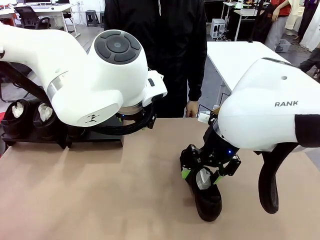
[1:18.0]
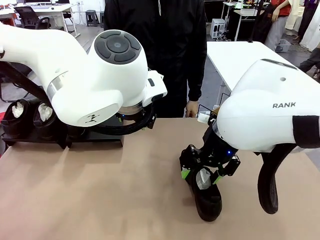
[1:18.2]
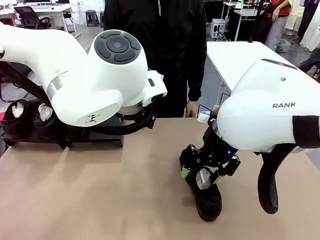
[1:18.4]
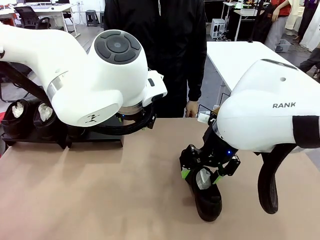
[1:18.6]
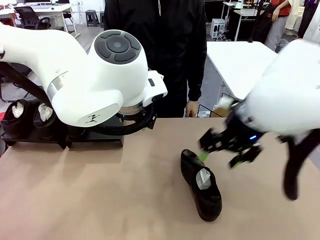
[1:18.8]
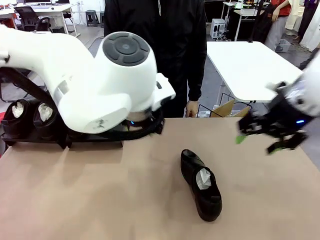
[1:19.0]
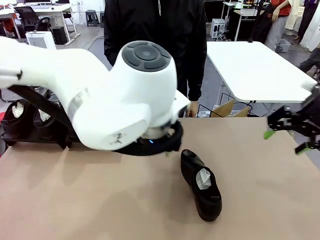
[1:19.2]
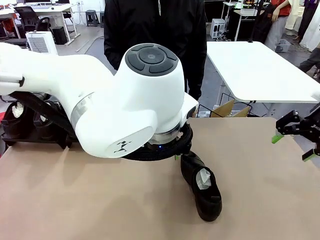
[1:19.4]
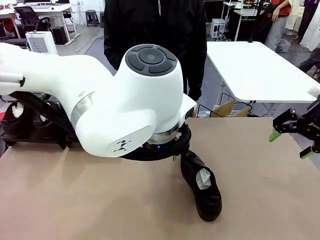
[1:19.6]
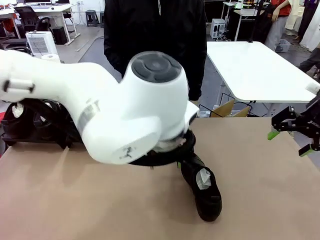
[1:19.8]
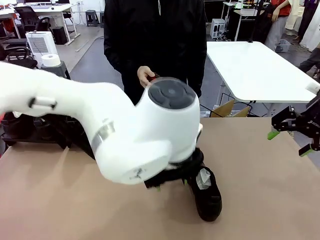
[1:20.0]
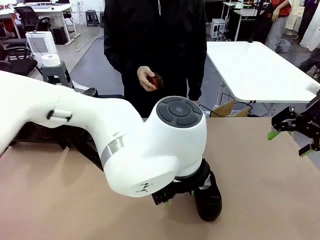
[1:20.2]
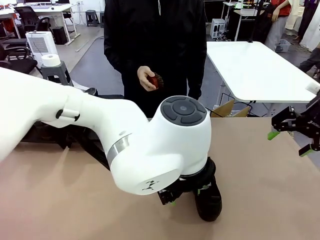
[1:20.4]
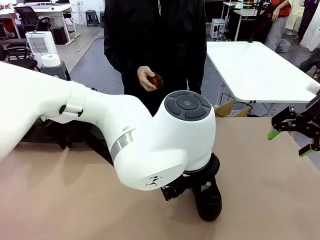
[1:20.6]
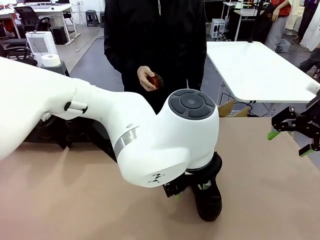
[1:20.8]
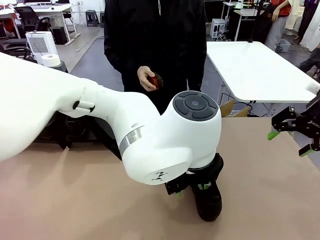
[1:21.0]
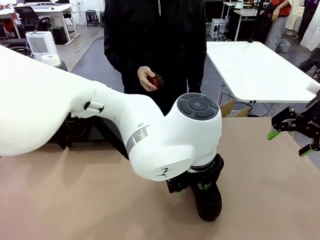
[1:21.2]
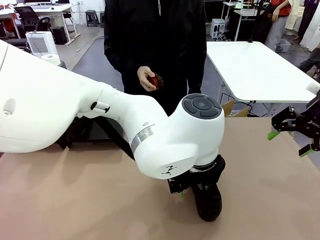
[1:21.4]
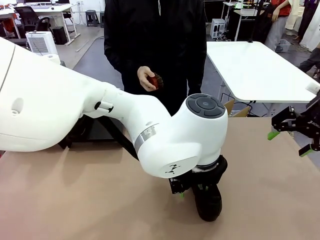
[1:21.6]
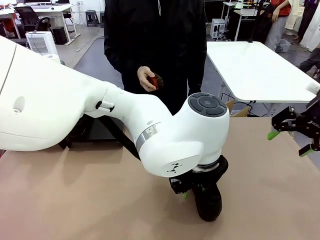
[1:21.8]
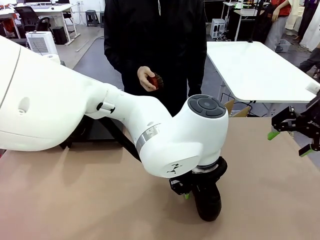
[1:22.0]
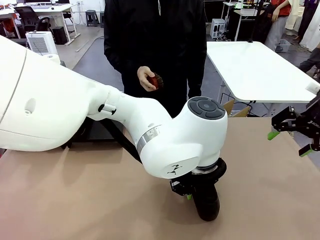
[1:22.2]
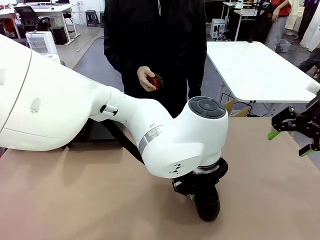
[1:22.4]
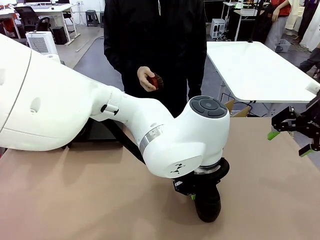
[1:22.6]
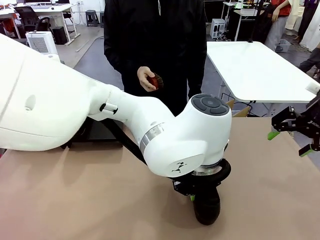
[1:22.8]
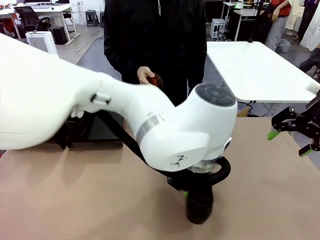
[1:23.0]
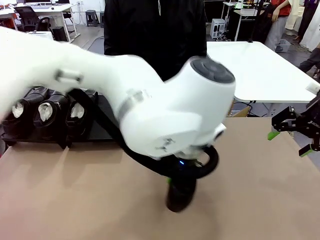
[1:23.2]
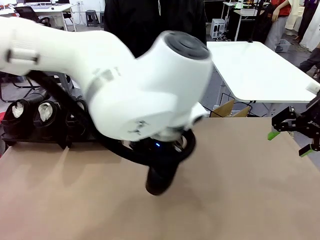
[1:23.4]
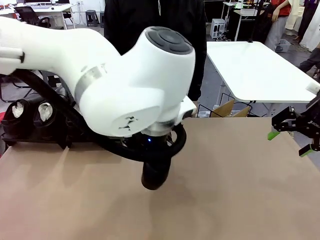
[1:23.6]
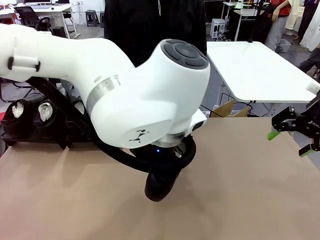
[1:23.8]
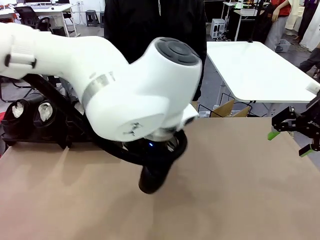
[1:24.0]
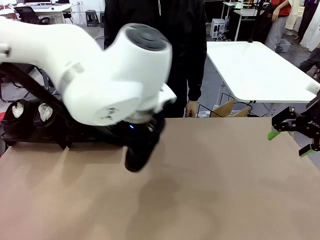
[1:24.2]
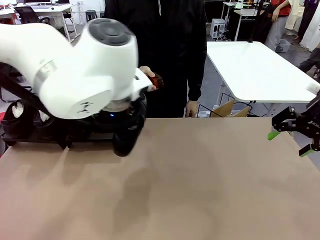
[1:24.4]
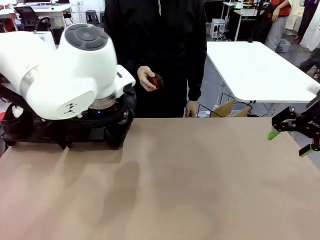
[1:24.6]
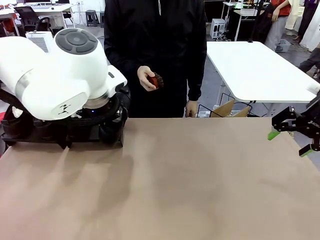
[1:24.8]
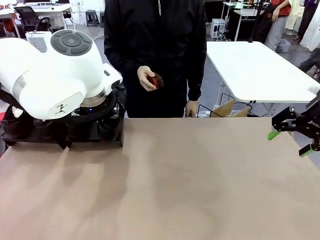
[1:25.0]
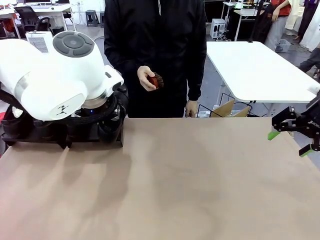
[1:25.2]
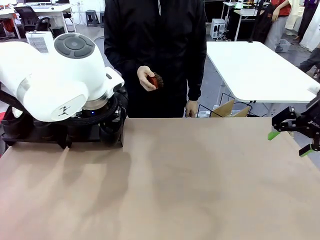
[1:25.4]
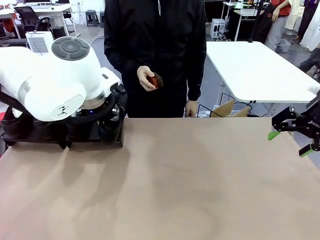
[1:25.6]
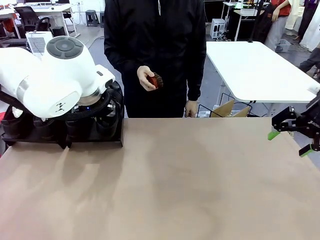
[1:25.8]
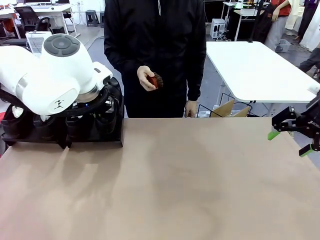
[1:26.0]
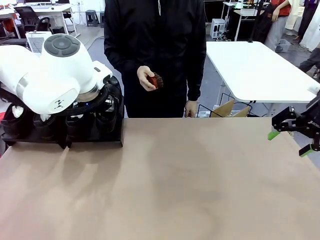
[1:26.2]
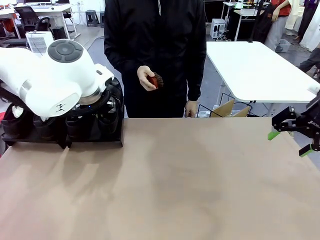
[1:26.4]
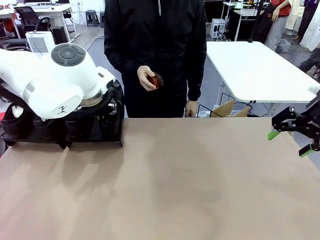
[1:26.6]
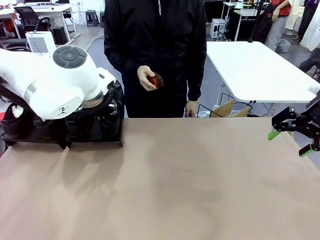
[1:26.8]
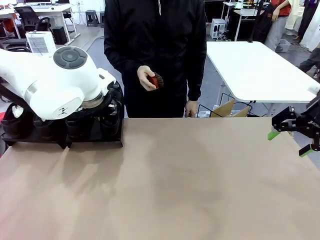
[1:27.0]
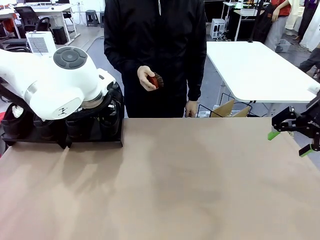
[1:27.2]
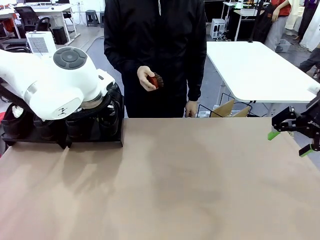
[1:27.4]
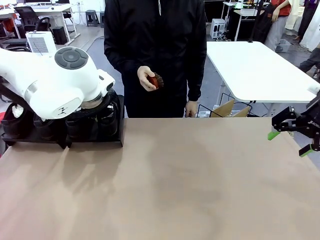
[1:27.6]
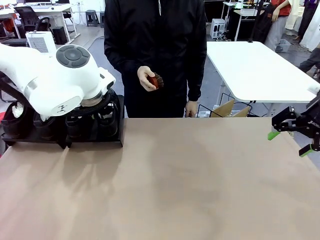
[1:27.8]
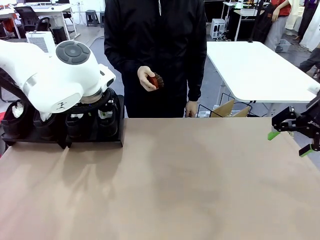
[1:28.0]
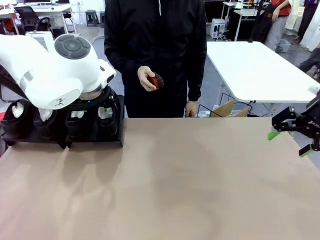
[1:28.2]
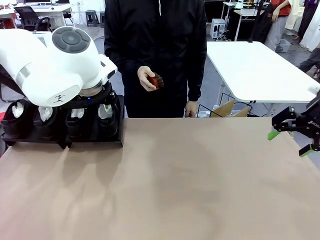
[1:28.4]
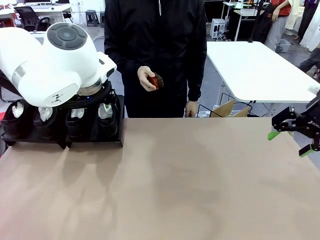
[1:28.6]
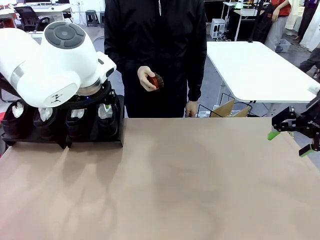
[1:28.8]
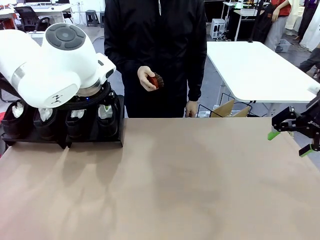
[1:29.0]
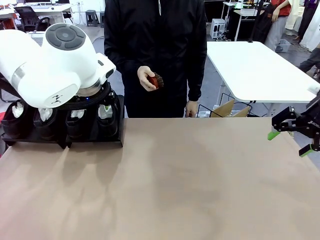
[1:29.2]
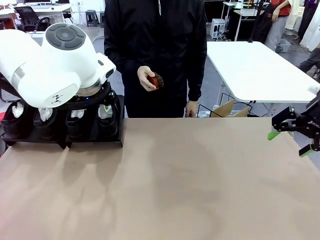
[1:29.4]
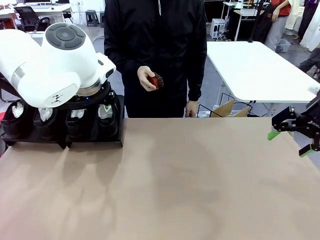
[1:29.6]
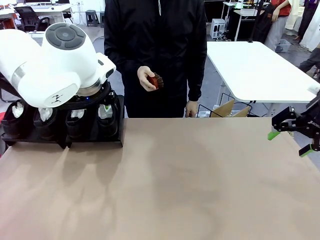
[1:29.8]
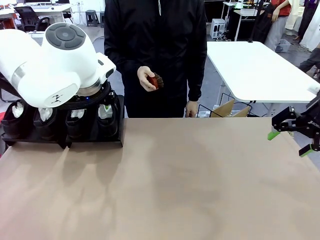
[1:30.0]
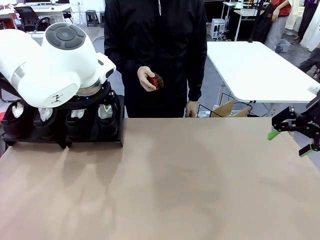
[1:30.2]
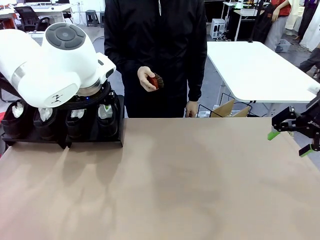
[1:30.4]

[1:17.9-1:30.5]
Task: Organize the shoes by placing them on the stand.
Robot: Place the Shoe from the middle of the table onto the Shoes Stand.

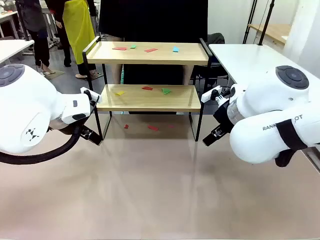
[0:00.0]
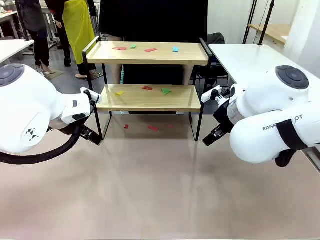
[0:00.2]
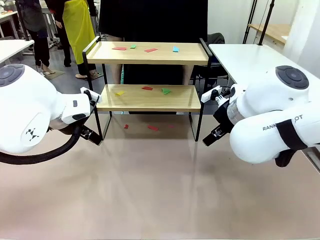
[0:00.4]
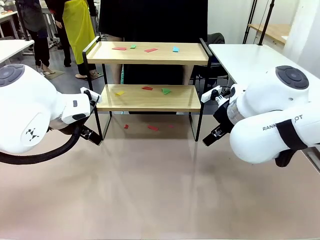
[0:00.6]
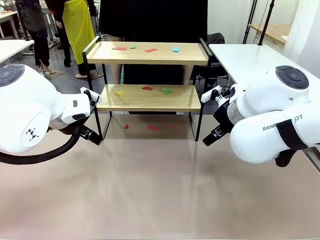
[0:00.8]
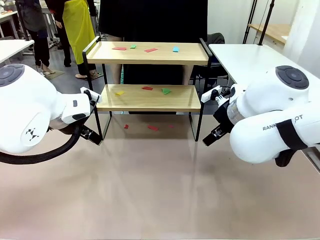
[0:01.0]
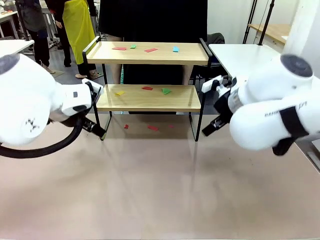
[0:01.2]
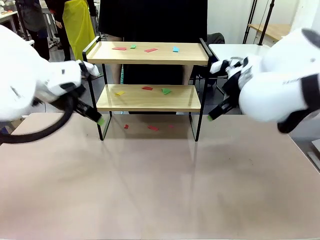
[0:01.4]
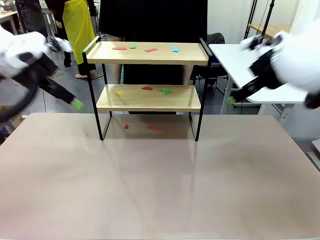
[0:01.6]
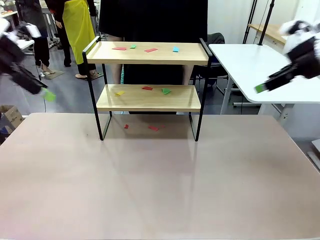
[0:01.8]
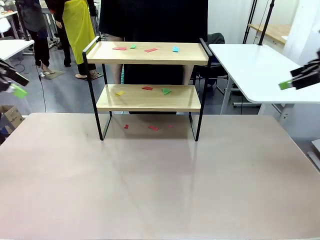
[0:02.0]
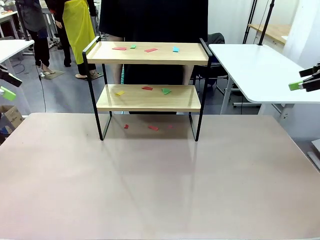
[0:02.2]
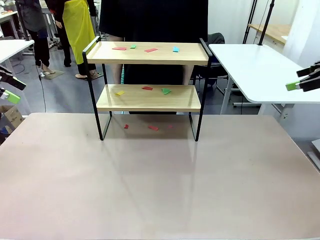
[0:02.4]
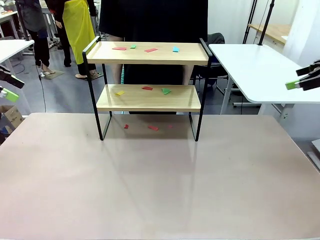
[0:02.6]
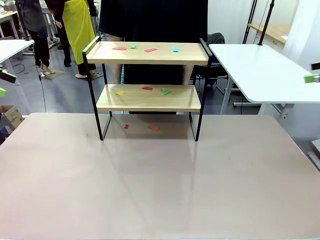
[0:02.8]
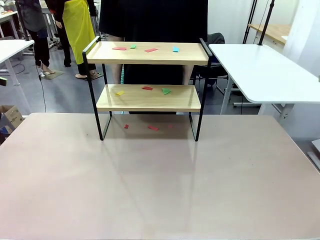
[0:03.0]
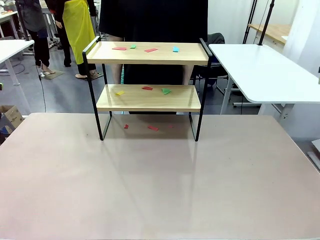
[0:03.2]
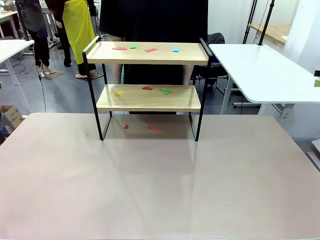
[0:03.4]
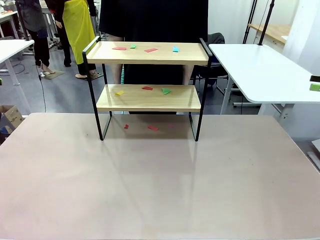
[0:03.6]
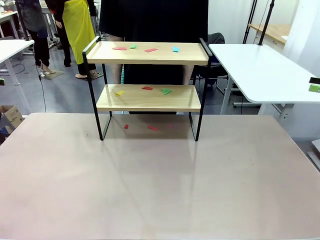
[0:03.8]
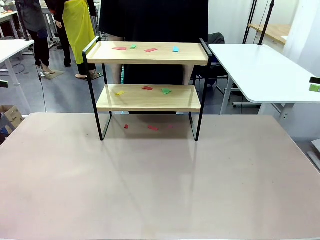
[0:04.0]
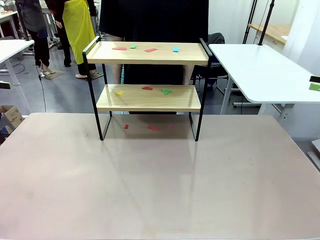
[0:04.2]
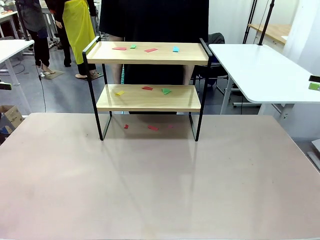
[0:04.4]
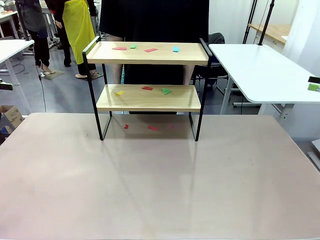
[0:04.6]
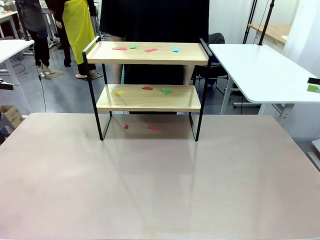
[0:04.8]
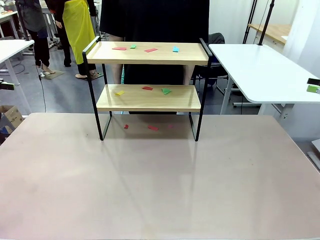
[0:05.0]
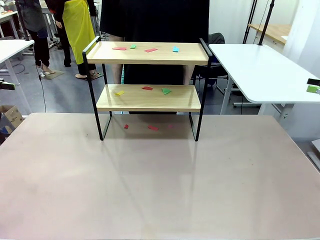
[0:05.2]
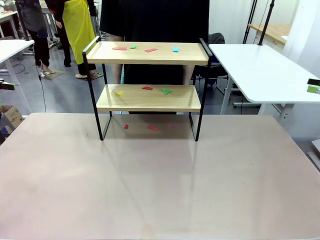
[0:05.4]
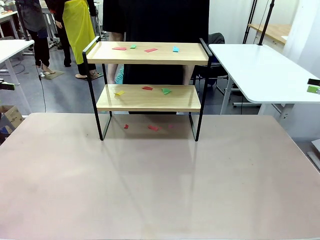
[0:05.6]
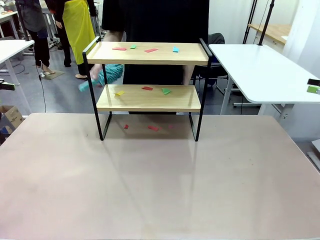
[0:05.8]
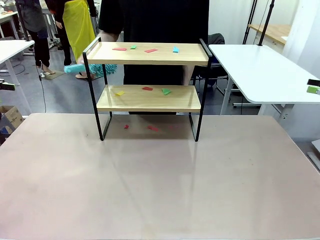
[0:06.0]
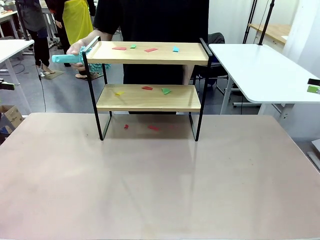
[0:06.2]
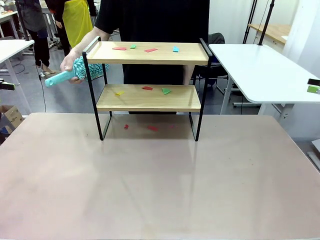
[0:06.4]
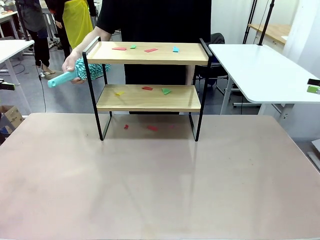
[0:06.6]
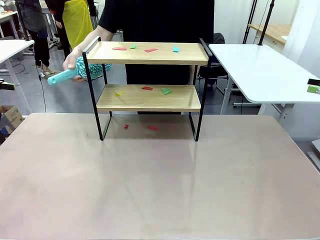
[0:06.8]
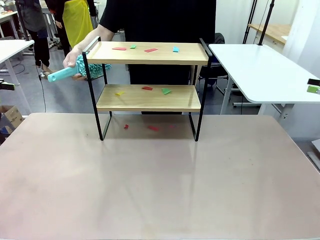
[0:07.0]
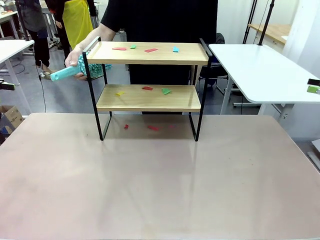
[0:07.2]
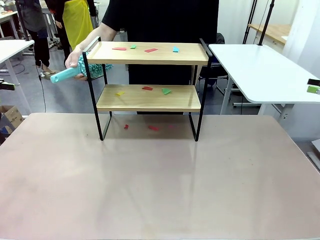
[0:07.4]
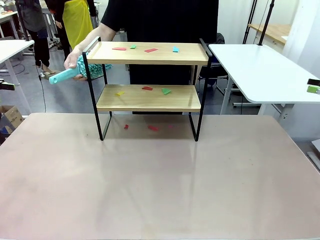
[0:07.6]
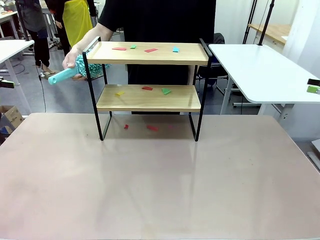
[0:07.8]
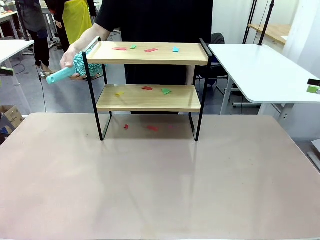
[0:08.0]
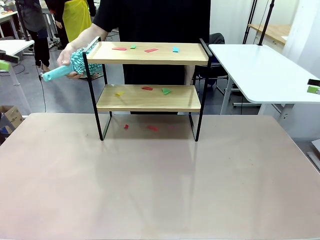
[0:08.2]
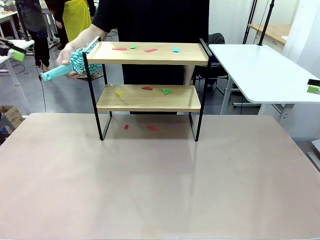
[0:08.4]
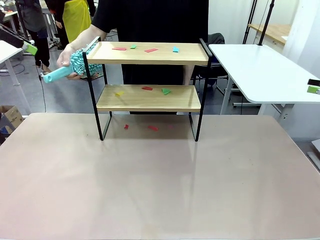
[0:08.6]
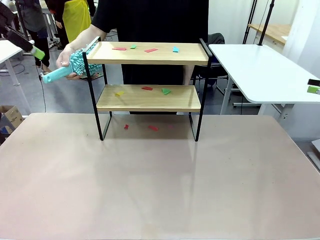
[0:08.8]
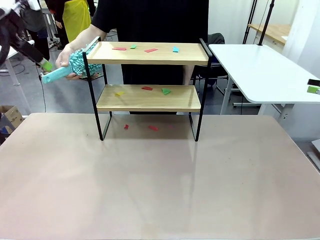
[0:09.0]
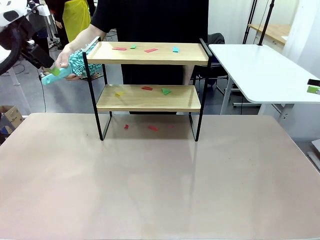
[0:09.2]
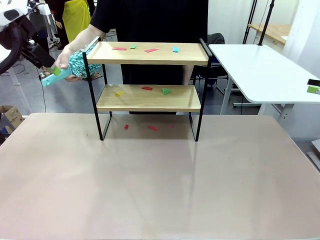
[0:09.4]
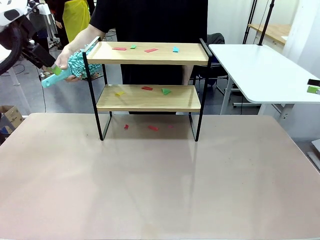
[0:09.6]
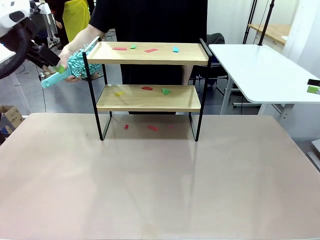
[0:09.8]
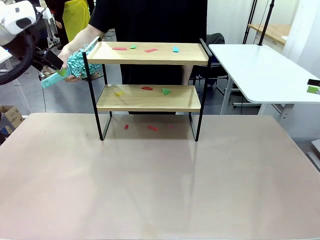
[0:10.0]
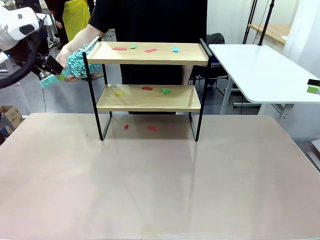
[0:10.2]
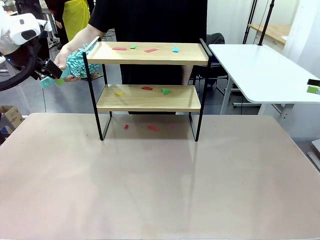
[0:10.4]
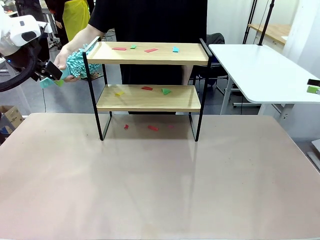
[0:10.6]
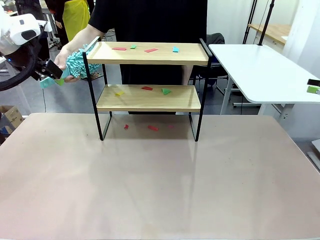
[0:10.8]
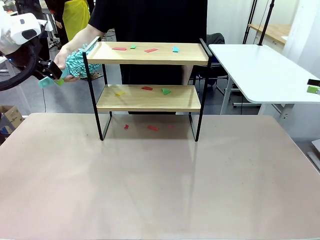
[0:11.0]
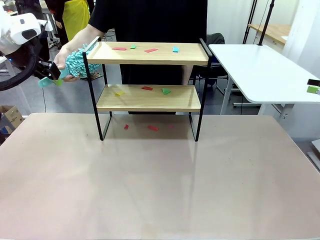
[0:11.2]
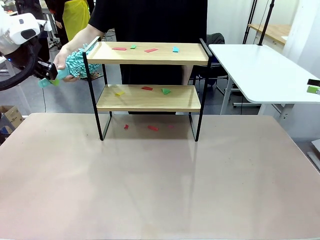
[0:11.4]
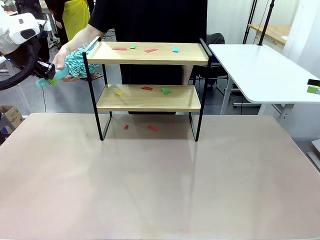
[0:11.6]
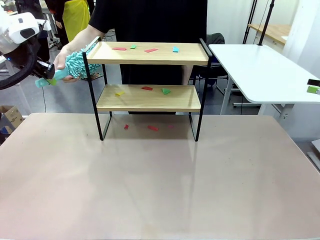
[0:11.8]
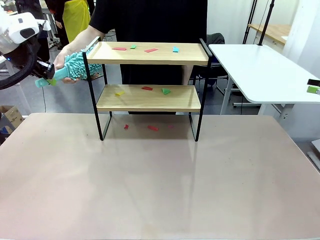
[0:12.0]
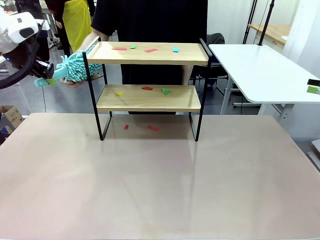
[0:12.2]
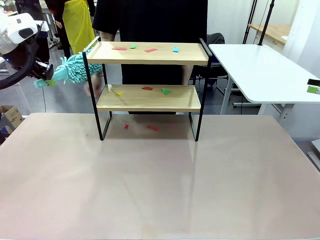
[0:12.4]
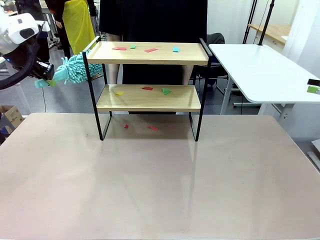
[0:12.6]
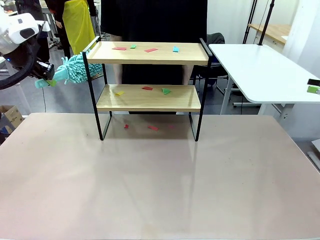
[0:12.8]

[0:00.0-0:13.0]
Task: Clean the shelf.
Robot: Pick up the Duster handed by the human.
Person: Hand the Duster to the robot.
